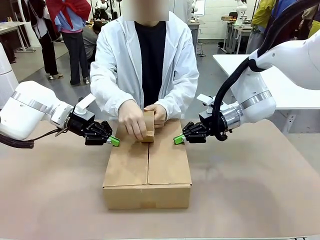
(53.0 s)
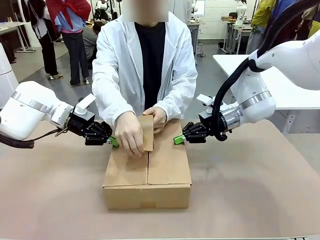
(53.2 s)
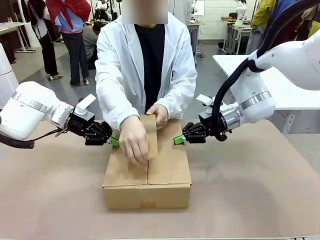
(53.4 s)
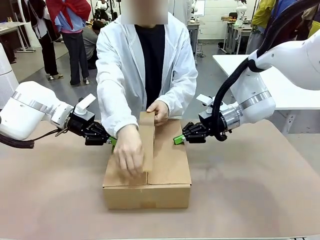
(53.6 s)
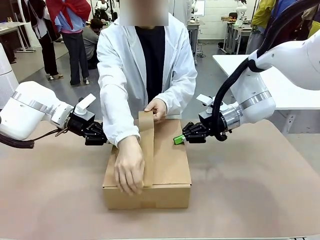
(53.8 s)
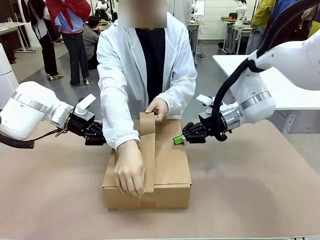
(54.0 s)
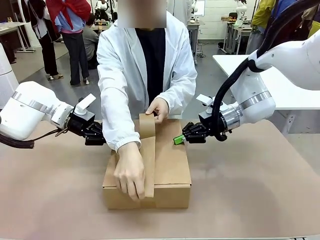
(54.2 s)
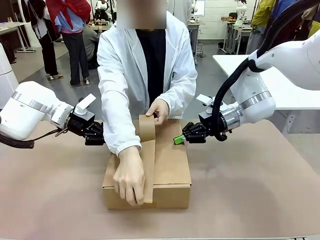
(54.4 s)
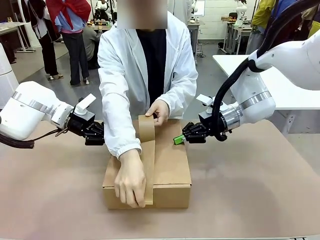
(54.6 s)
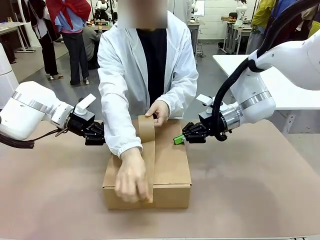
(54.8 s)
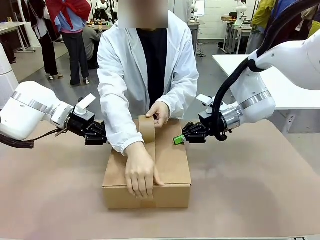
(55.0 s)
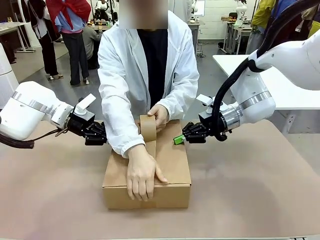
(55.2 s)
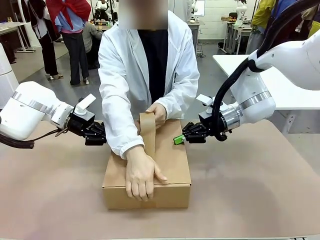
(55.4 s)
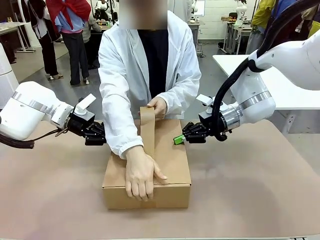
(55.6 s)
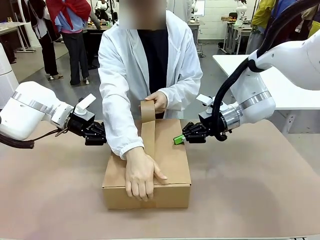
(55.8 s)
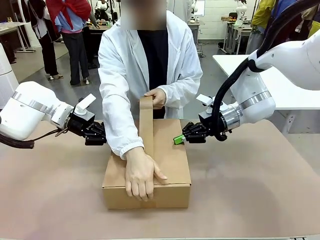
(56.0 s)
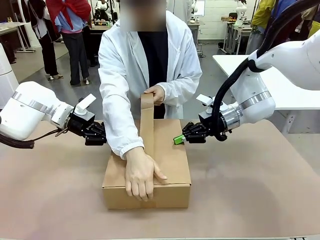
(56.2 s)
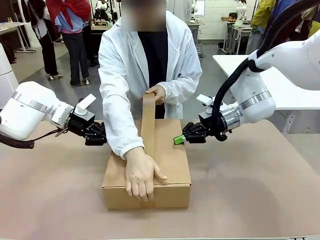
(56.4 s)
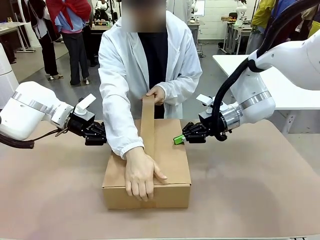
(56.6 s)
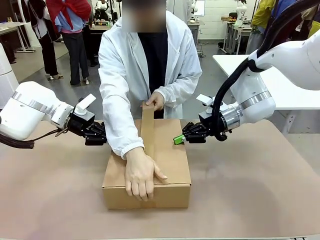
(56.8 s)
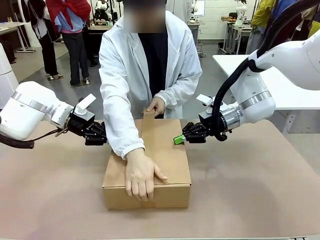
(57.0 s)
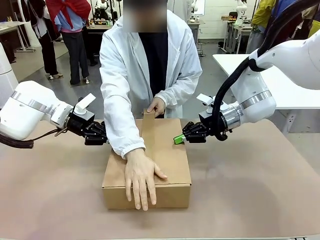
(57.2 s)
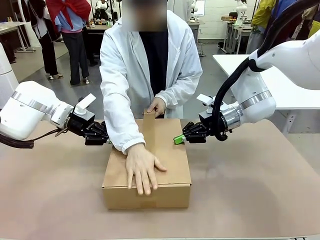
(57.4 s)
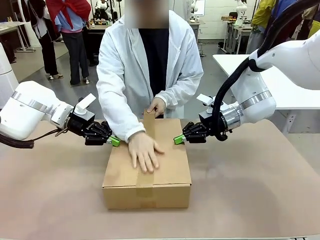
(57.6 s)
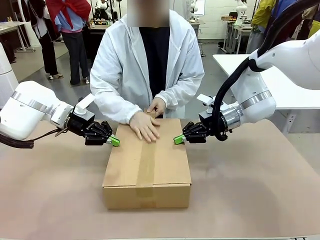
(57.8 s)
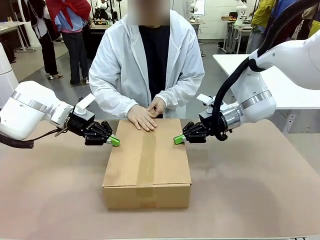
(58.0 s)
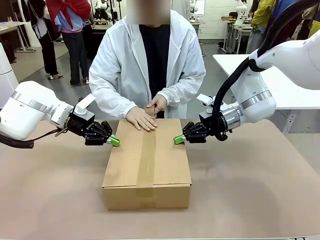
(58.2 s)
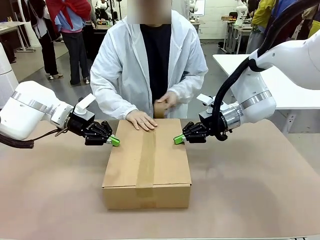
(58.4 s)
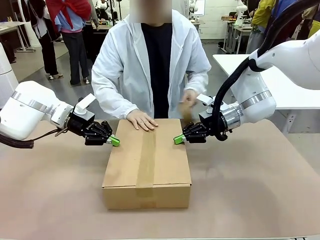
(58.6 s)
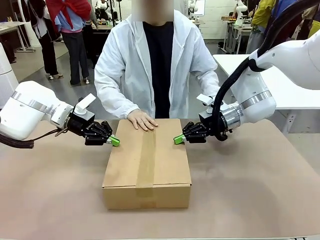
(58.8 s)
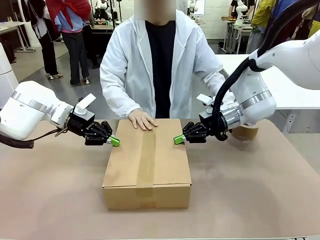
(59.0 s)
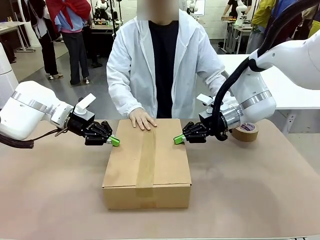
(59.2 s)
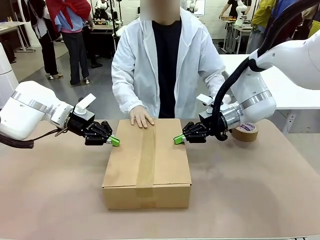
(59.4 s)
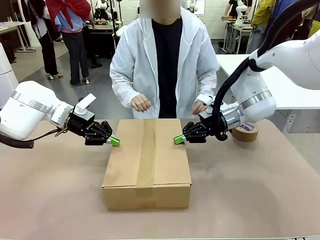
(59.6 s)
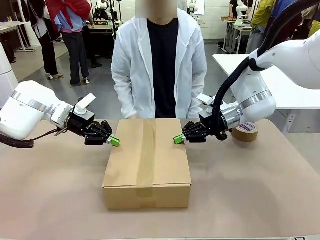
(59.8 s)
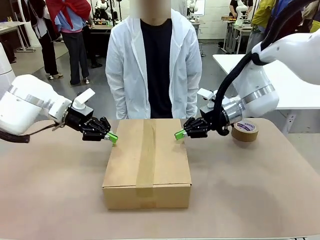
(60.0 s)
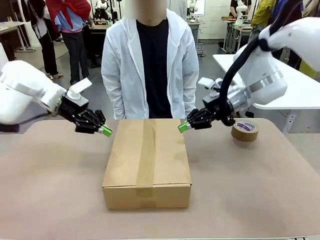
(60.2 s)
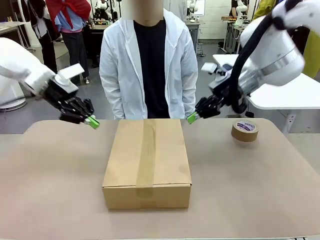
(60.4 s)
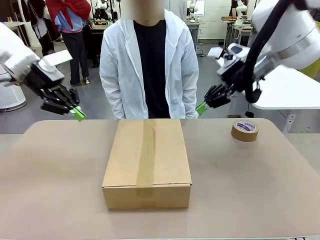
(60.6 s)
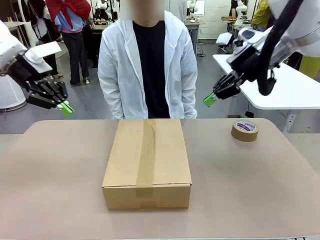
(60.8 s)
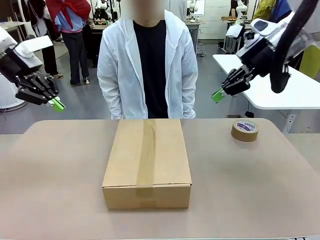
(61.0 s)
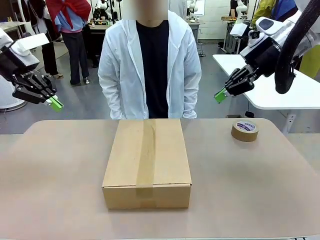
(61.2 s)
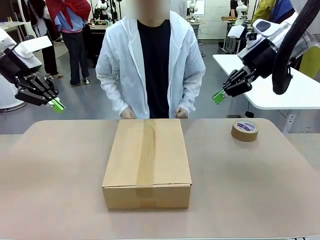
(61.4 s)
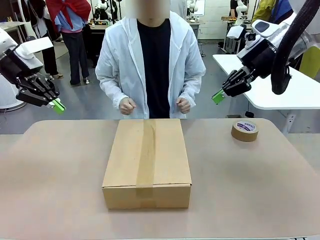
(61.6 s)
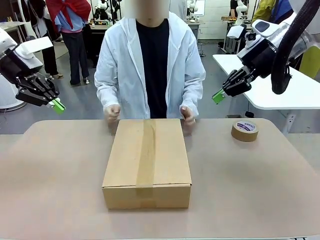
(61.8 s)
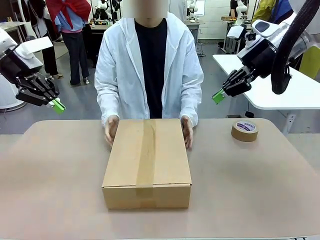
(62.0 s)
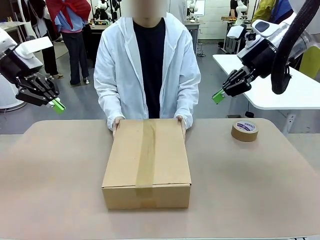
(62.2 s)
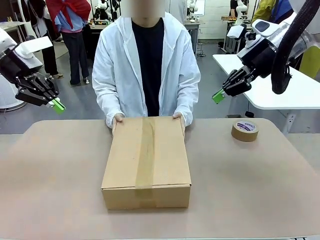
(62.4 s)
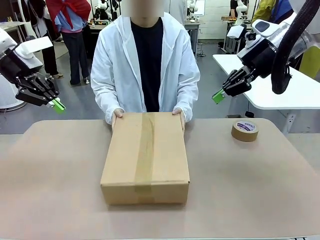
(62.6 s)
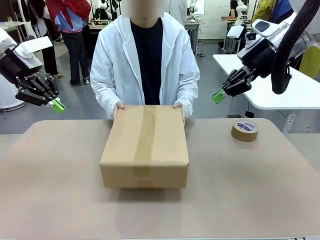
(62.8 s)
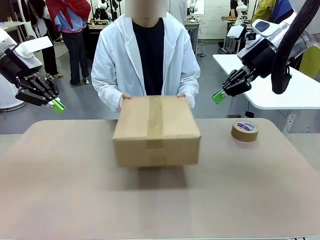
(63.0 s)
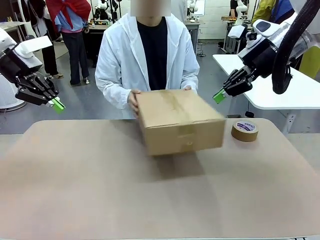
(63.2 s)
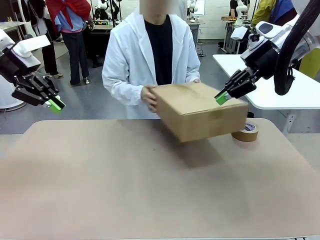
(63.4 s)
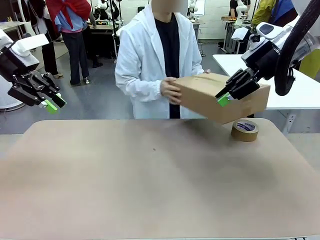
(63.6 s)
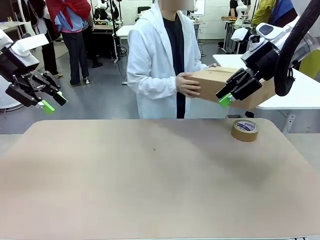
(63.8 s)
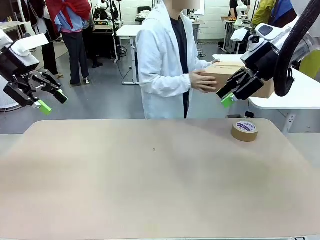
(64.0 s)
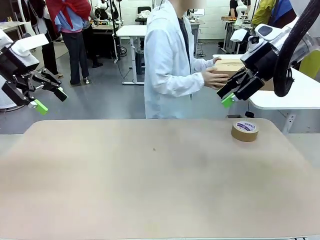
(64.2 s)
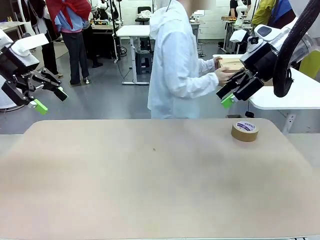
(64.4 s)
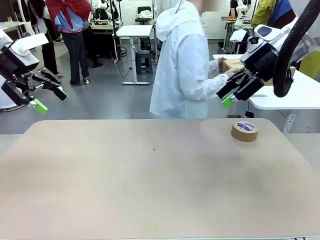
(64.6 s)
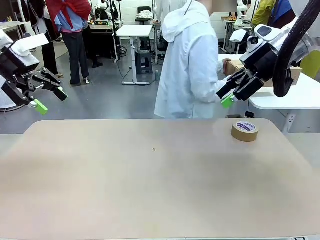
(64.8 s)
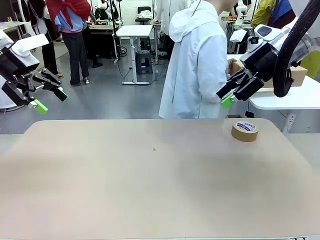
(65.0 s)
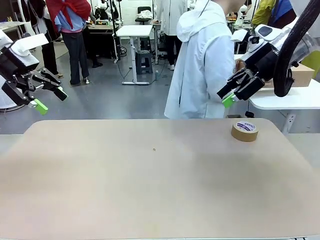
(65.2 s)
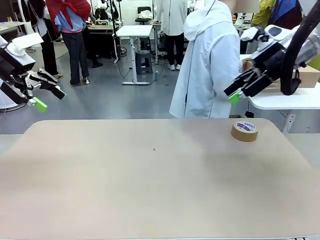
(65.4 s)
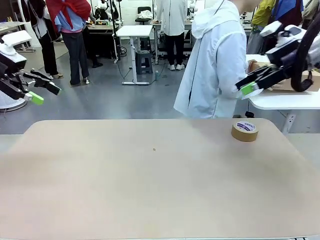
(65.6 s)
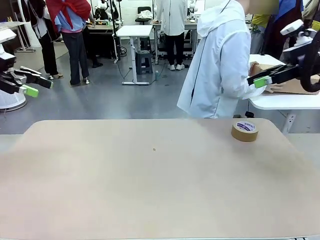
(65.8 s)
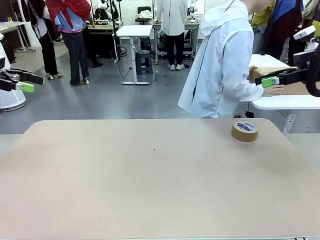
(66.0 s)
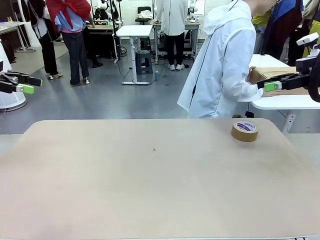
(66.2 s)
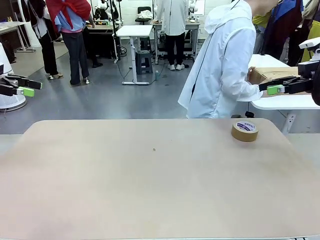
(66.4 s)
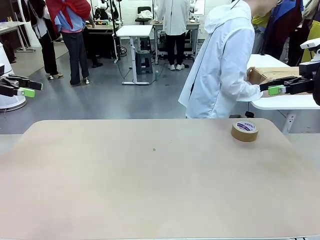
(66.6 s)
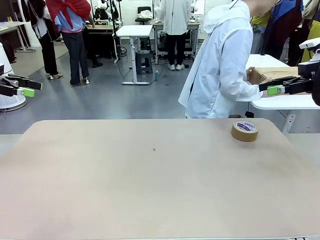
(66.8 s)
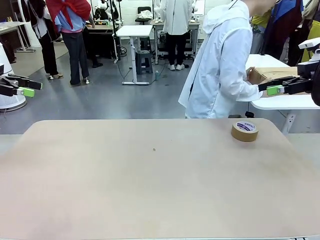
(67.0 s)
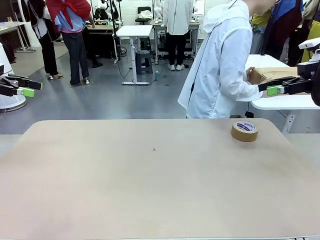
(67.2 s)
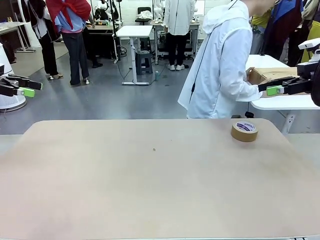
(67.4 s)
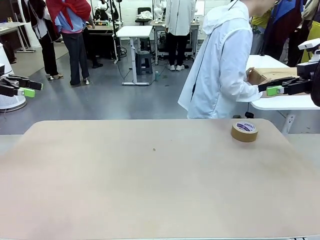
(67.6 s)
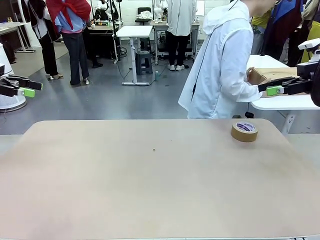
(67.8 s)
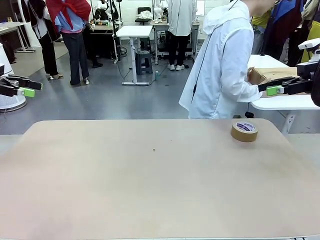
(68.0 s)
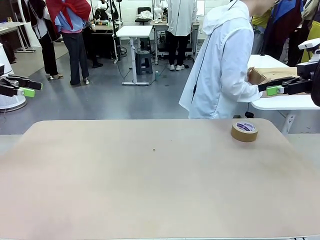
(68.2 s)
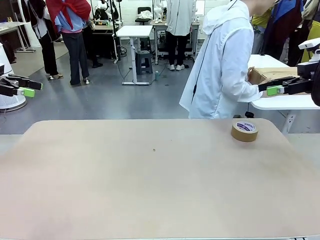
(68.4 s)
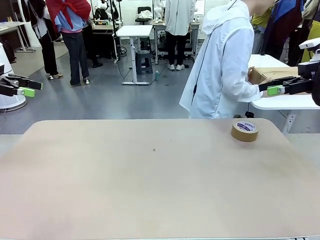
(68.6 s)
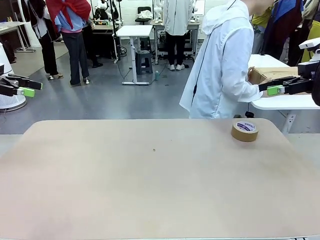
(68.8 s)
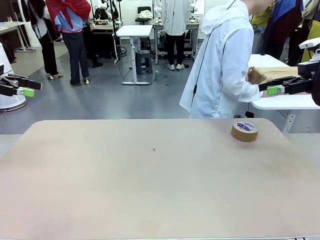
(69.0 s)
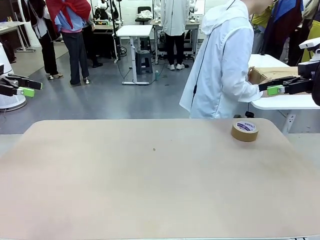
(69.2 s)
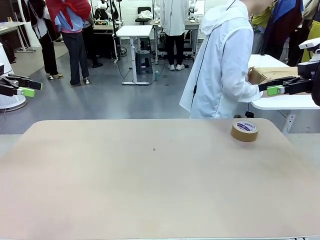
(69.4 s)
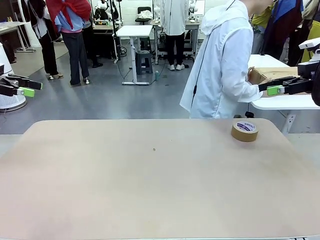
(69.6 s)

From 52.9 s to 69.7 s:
Task: Wrap the clocks to prevent damage.
Robot: After the human seals the box with tape, release both hands from the side flaps of the Package Box.
Person: Once the robot closes the left flap of the Package Box , seal the box with Paper Tape. Place sealed Package Box in the middle of the human's table.
